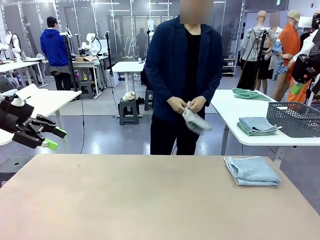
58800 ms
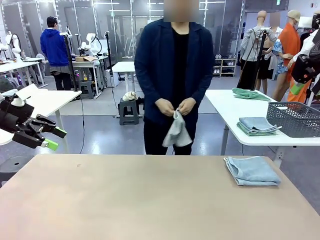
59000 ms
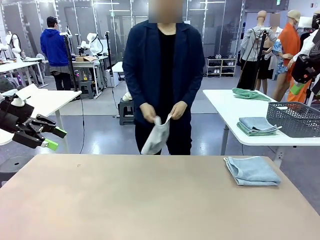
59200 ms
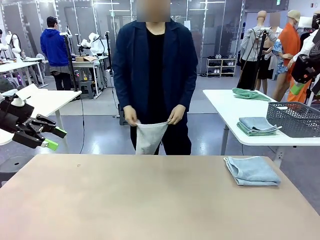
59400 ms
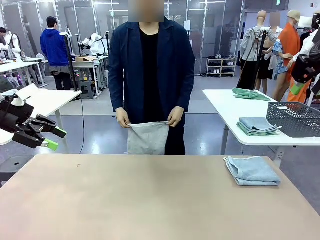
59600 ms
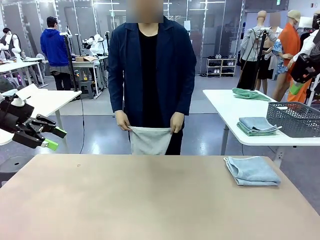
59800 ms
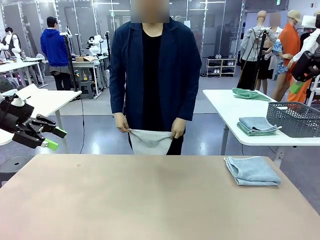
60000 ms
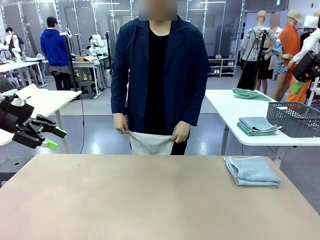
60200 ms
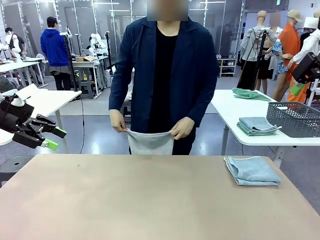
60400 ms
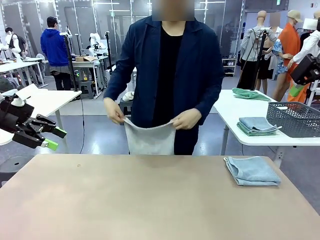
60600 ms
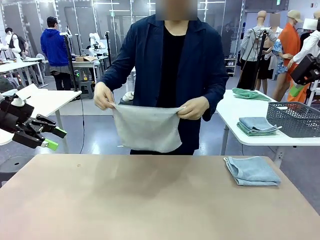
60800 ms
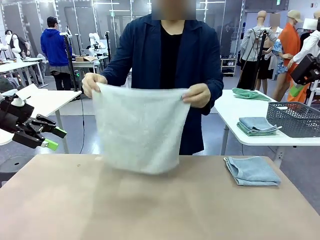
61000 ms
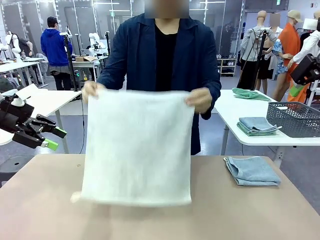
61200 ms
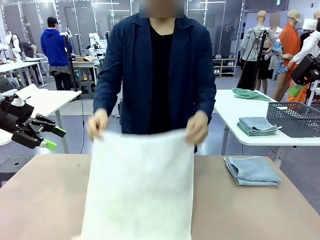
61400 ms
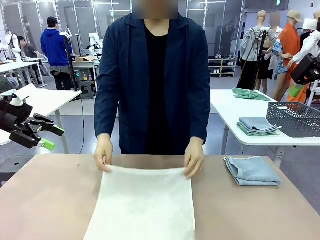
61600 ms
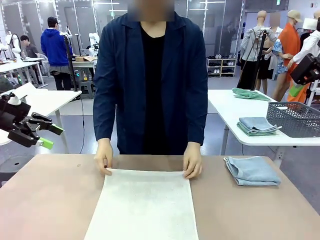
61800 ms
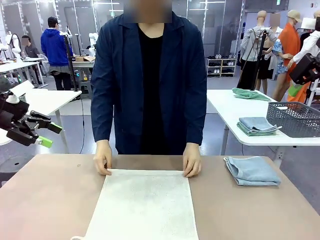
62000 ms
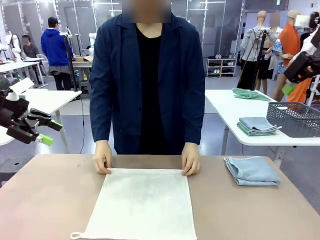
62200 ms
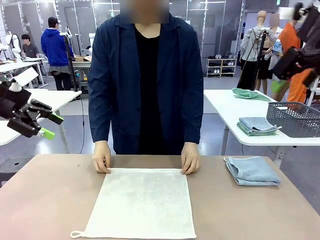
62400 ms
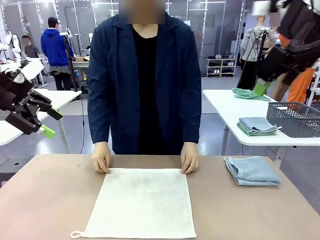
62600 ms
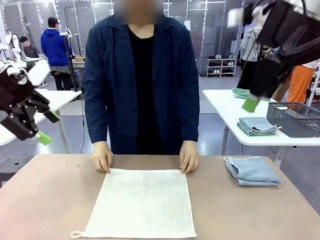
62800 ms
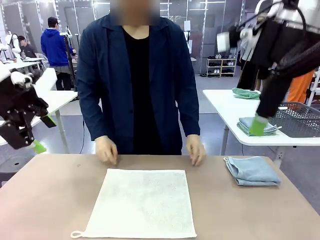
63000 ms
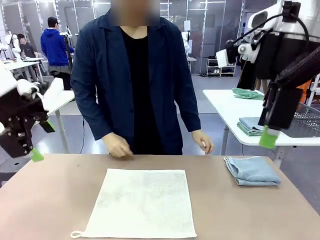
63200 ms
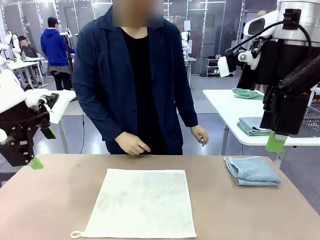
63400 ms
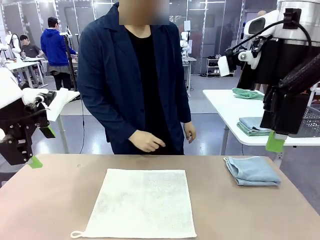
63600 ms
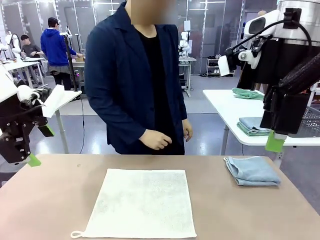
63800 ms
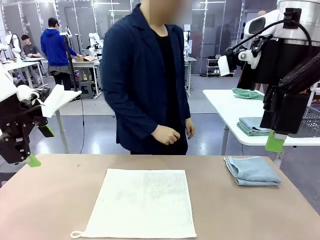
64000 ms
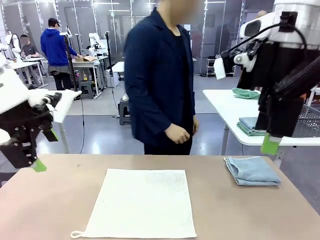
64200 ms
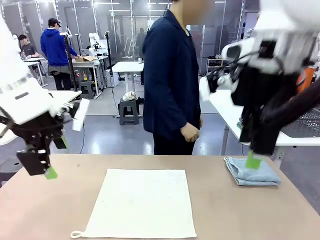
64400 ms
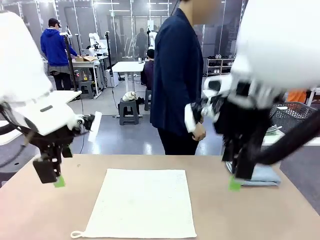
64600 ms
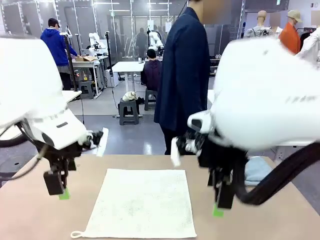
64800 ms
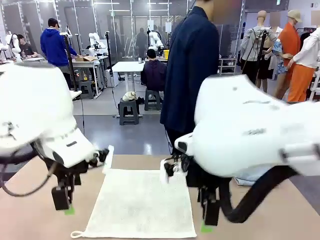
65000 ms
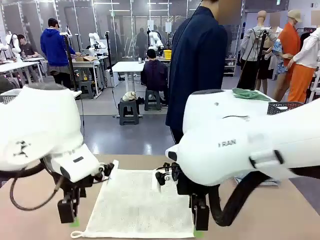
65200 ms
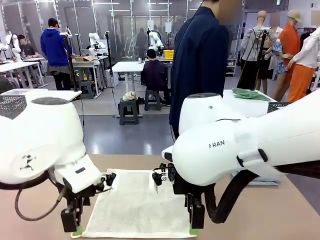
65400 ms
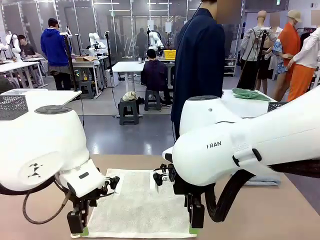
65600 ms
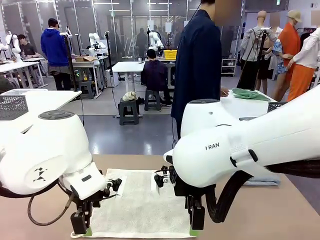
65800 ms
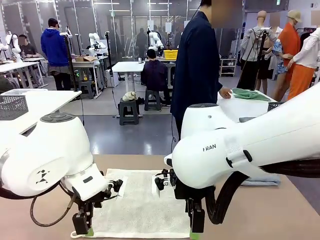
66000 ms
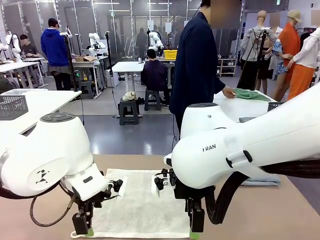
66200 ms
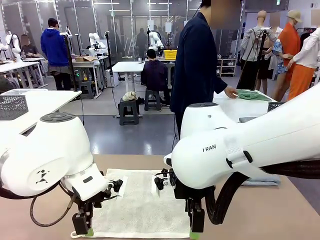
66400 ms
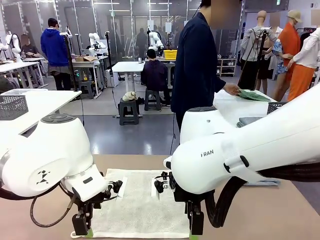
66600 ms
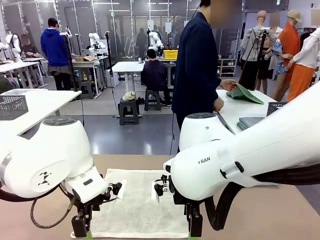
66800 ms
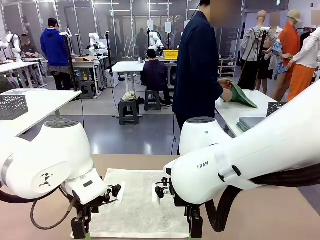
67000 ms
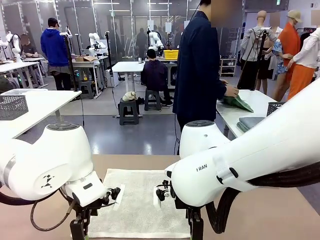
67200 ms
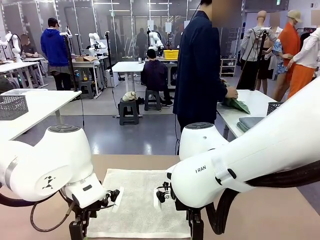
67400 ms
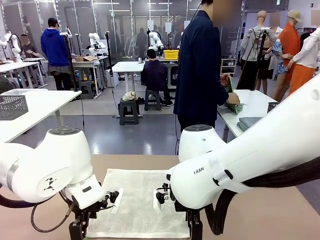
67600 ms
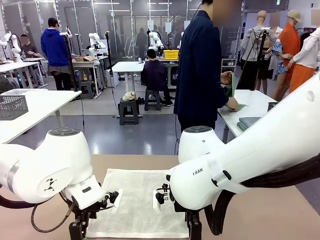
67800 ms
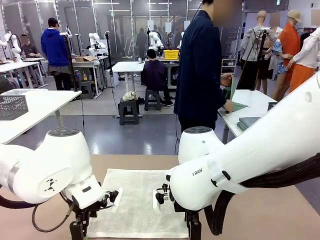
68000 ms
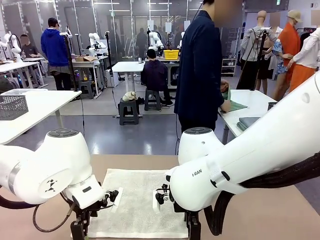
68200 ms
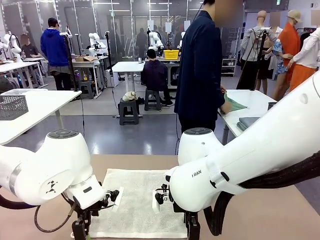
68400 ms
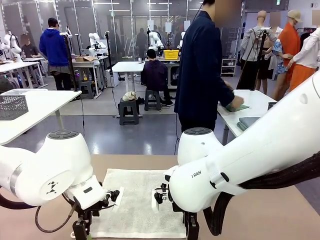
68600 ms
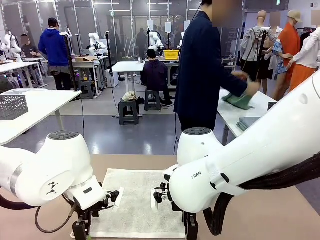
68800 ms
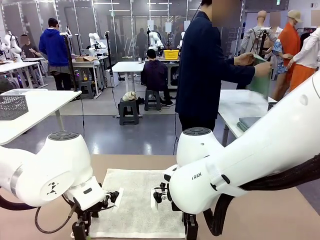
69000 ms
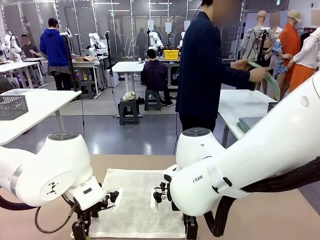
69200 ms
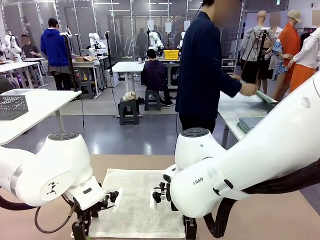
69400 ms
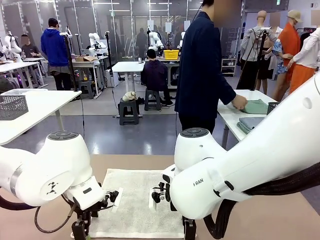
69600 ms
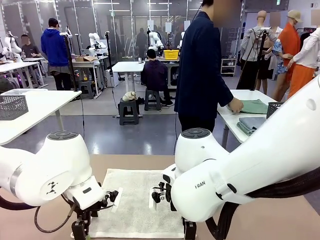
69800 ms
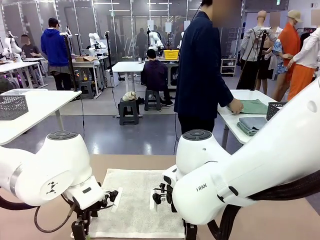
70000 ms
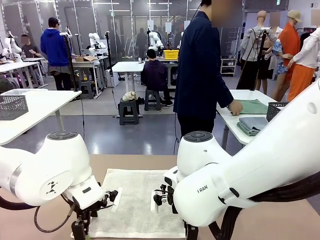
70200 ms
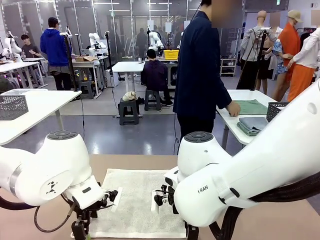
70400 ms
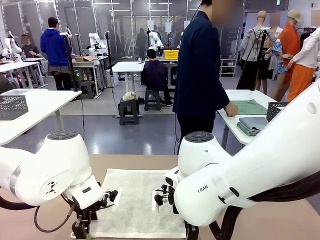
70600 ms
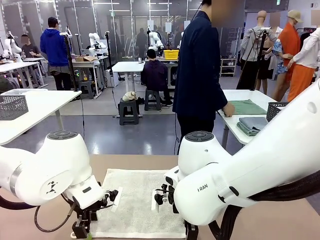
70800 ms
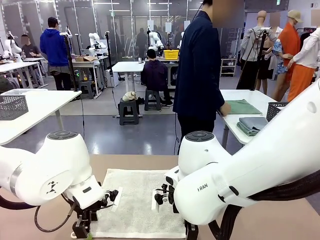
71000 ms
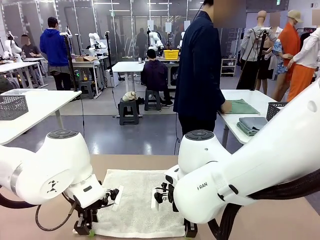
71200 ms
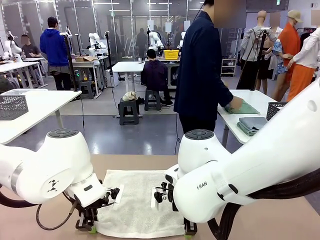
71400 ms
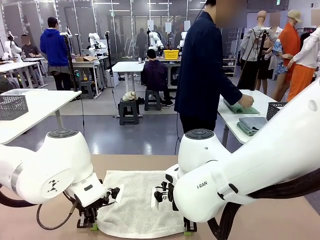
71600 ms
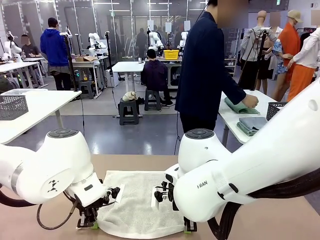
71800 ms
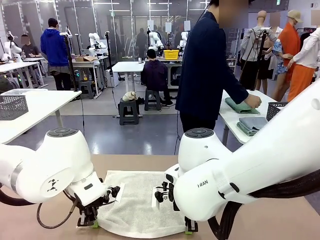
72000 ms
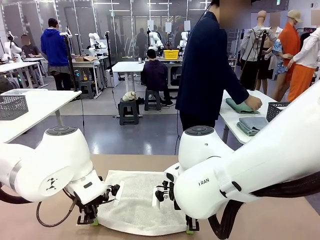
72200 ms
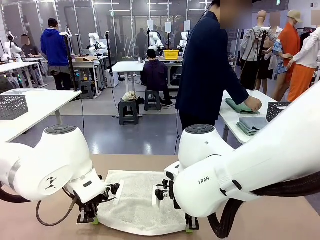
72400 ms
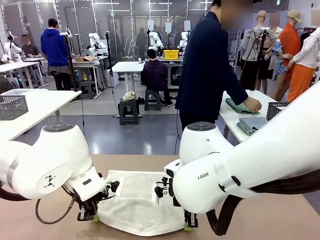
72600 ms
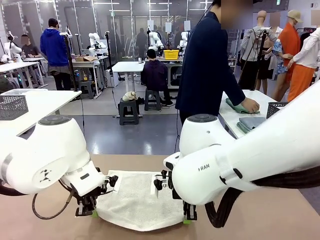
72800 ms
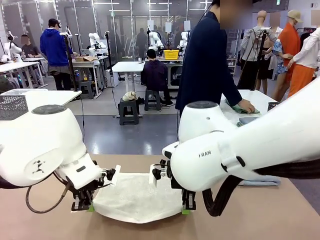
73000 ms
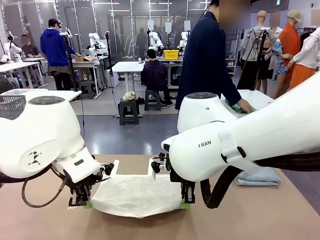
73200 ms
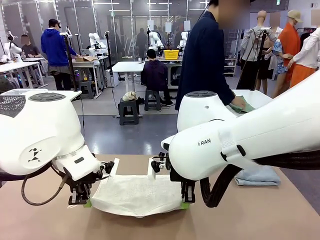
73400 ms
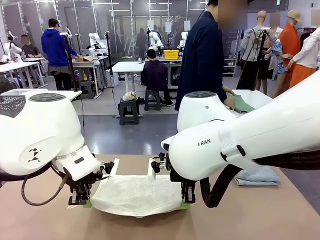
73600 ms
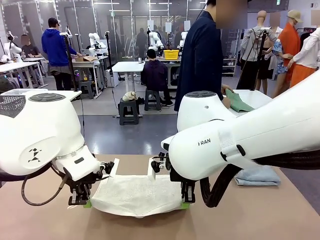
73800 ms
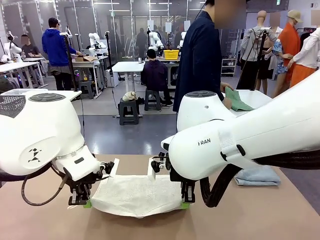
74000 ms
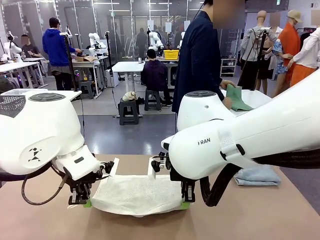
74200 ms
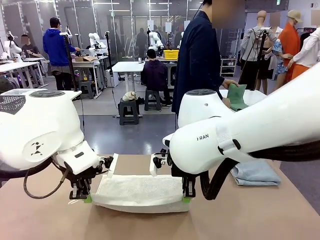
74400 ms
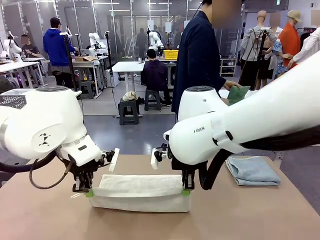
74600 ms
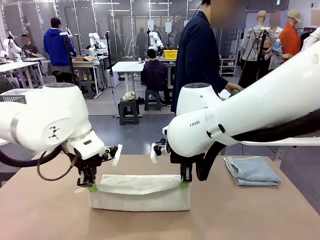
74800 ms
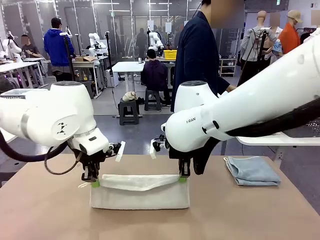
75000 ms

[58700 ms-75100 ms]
Task: Fold the towels and place them in the basket.
Robot: When a person lays out a Towel with hook on the table, fold it in half twice.
Person: Pick up one towel from the left side of the human table and spread it out at the center of the robot table. Pick up one towel from the left side of the human table, fold it in half twice, and stack it on the right side of the table.
